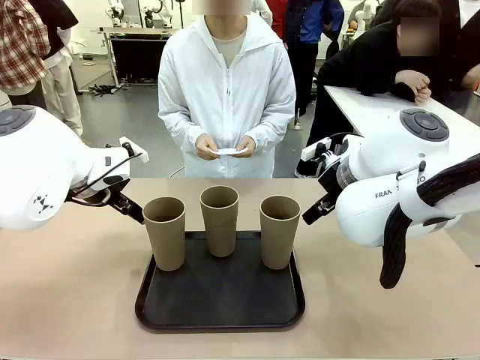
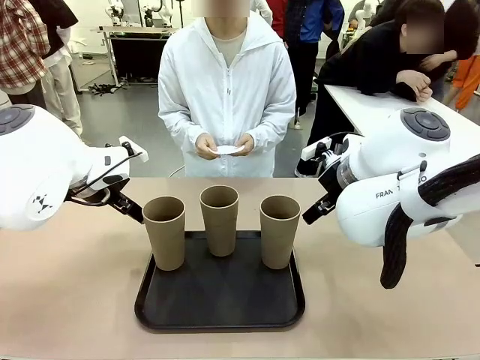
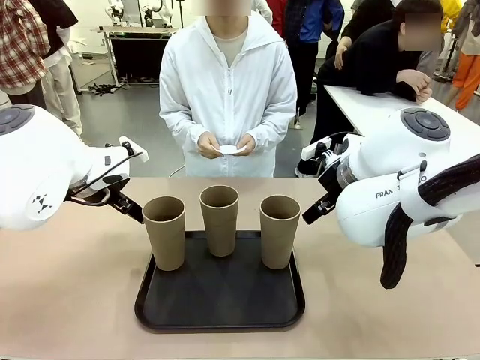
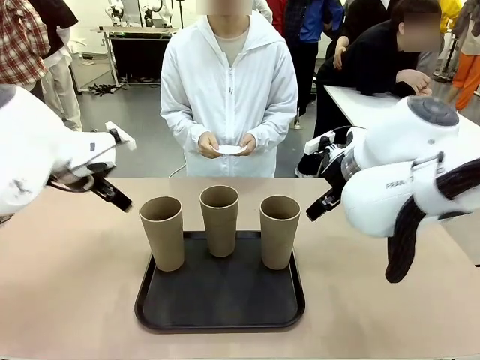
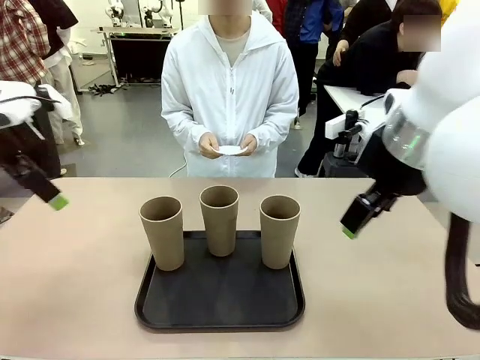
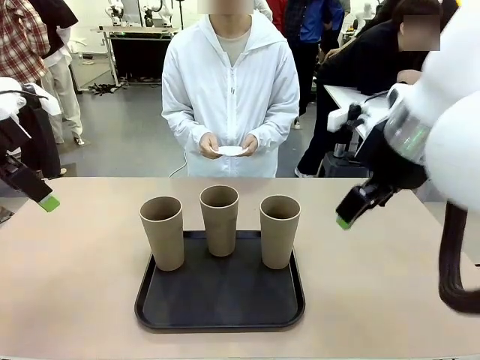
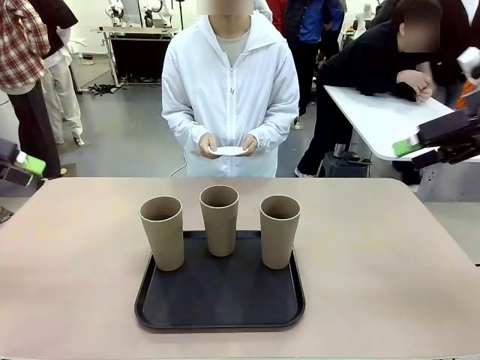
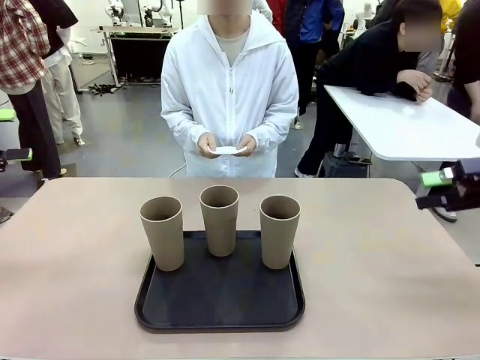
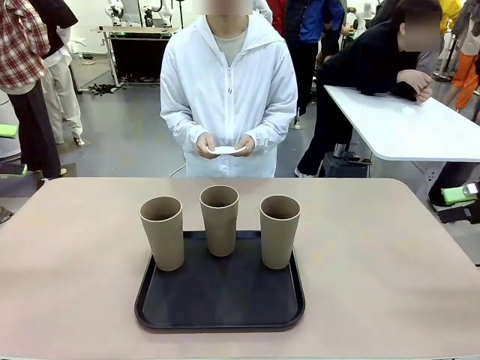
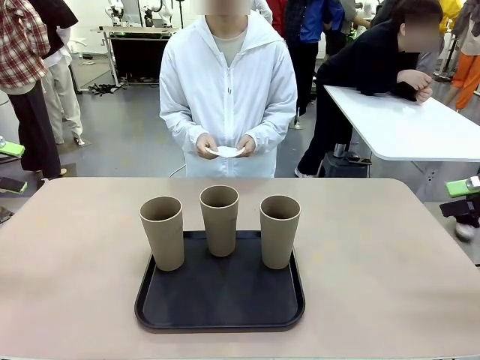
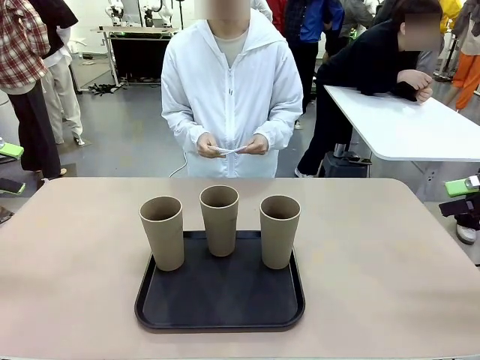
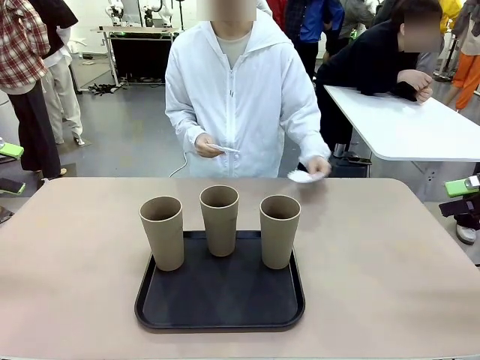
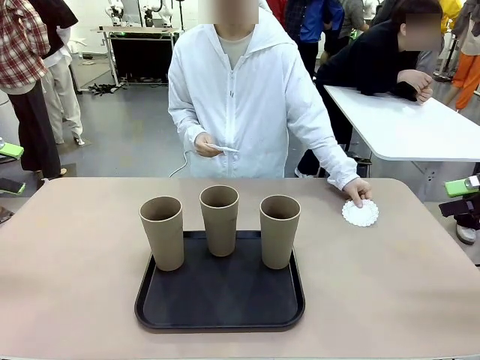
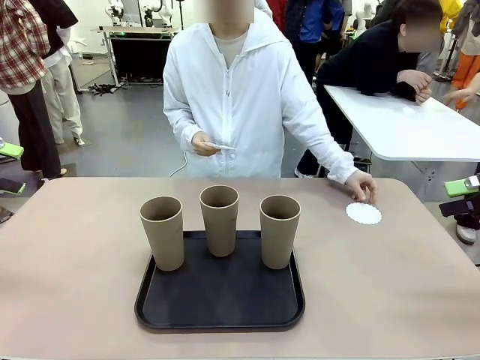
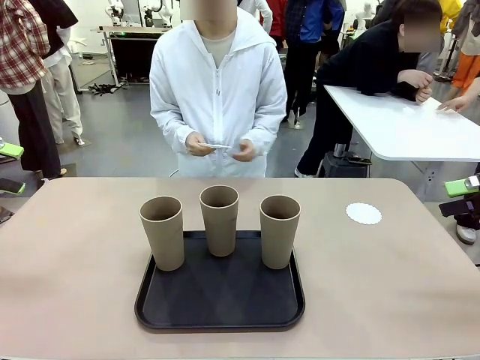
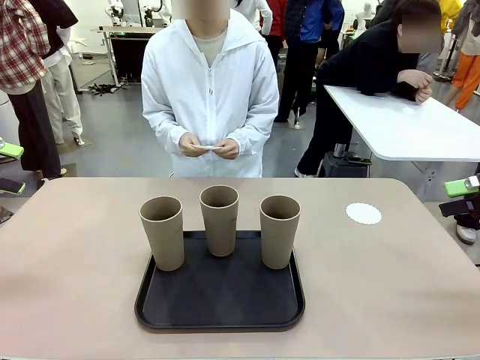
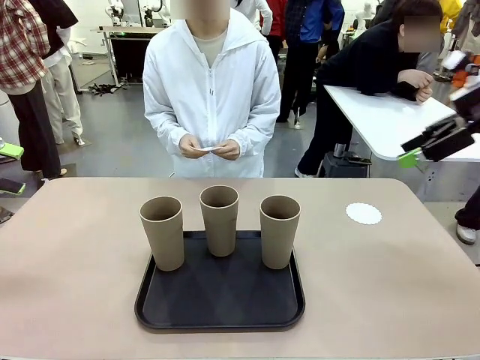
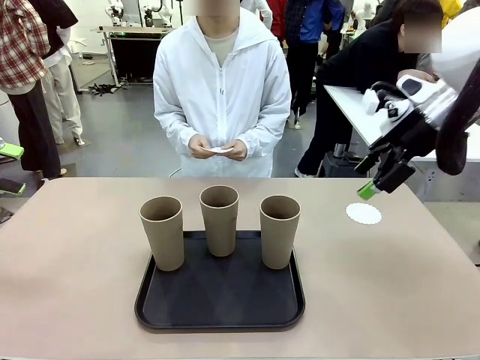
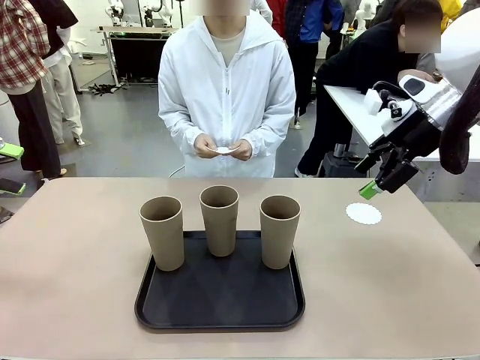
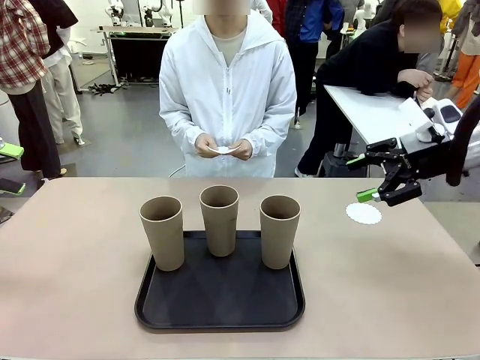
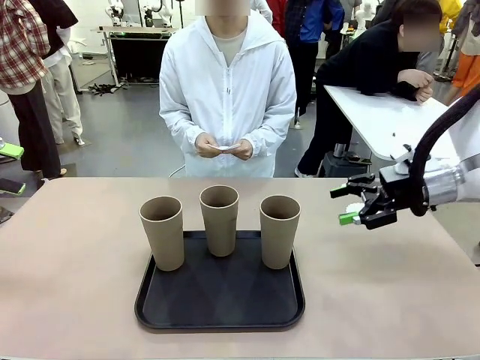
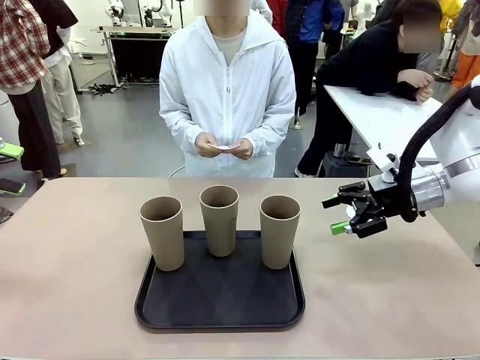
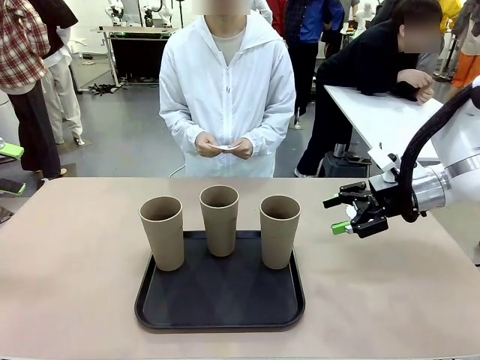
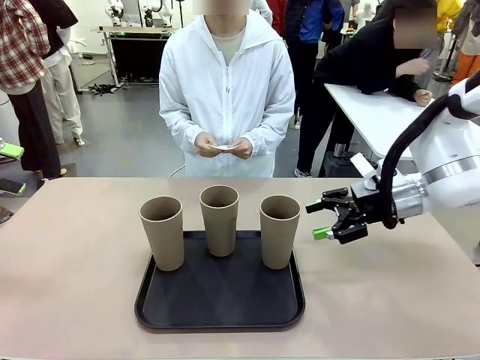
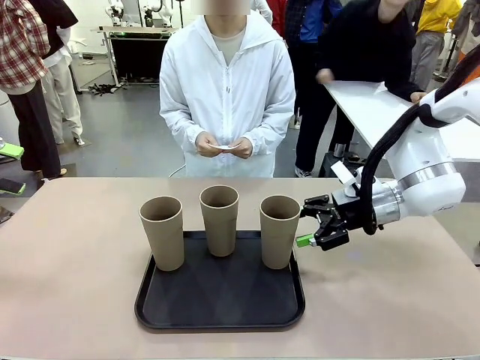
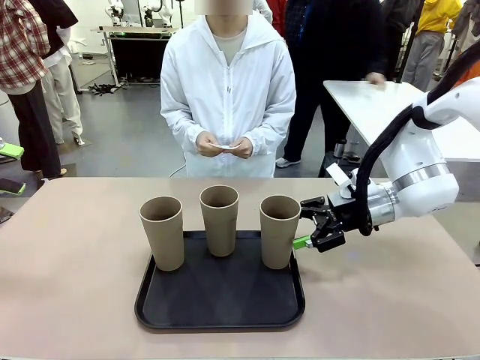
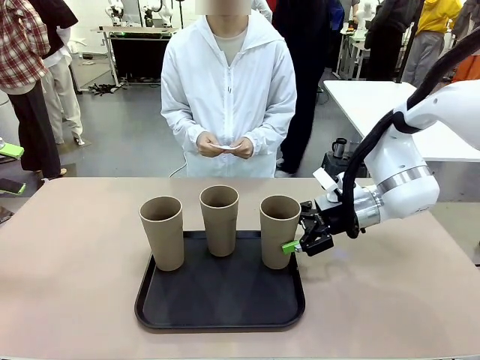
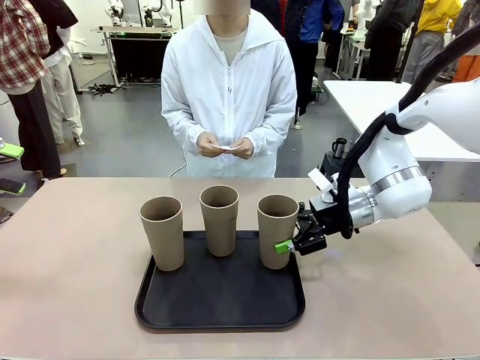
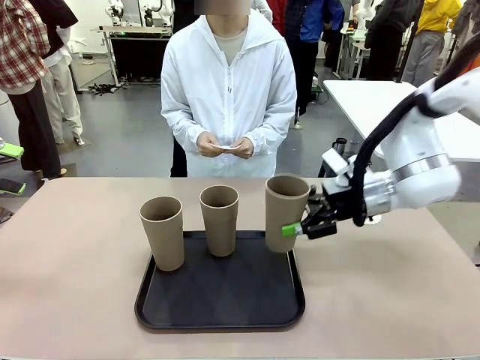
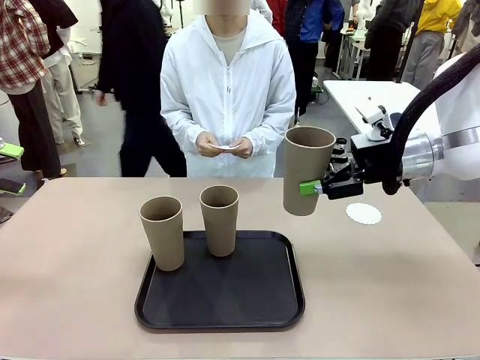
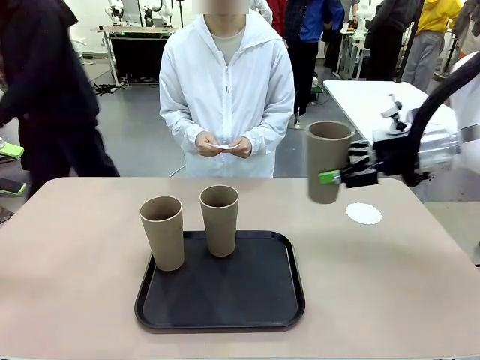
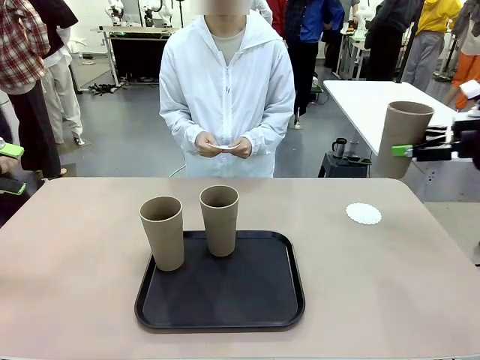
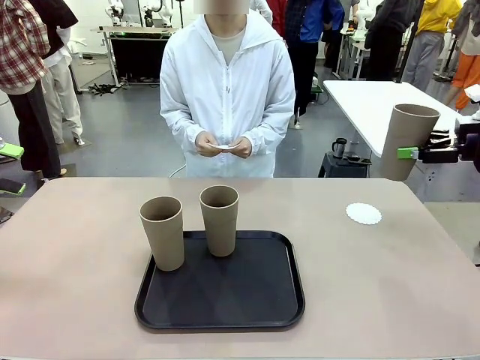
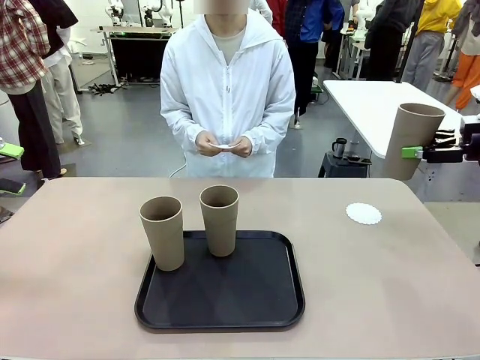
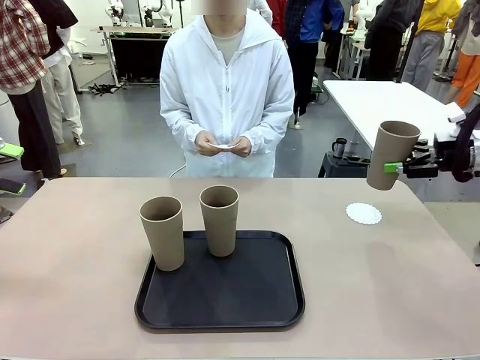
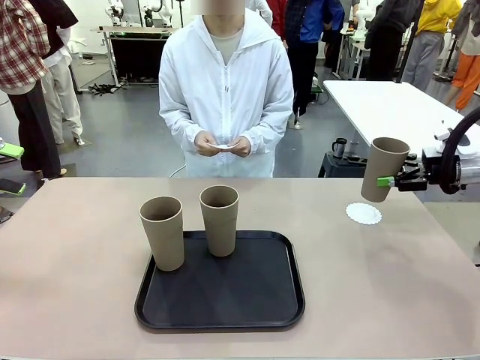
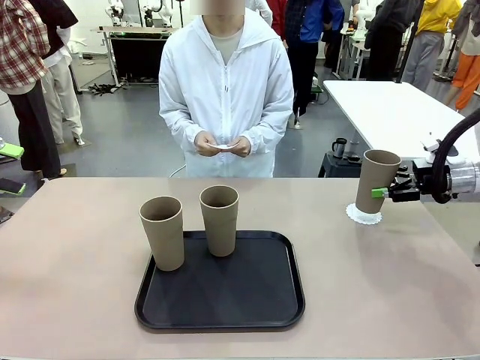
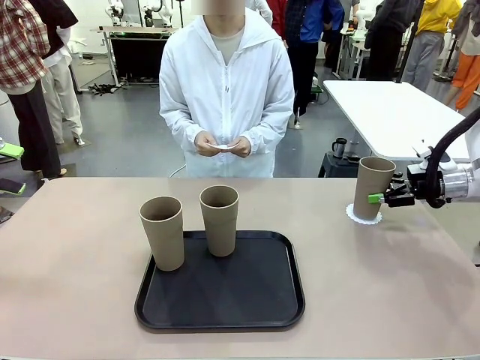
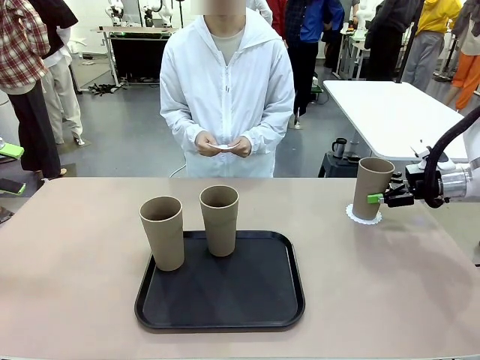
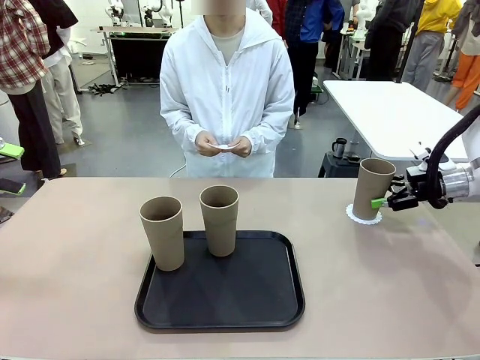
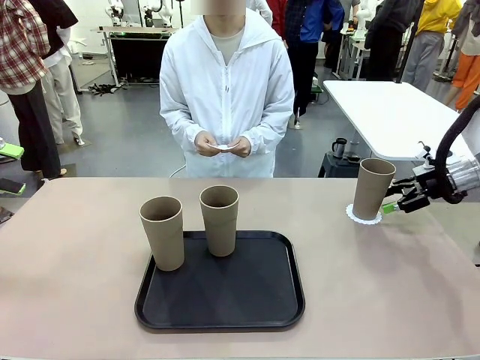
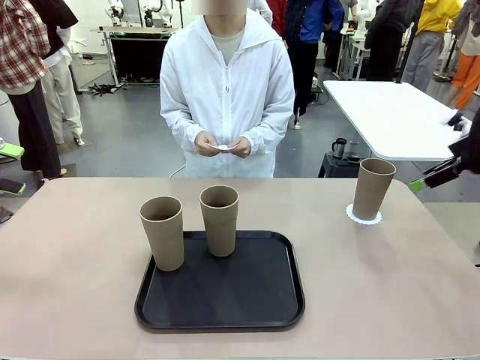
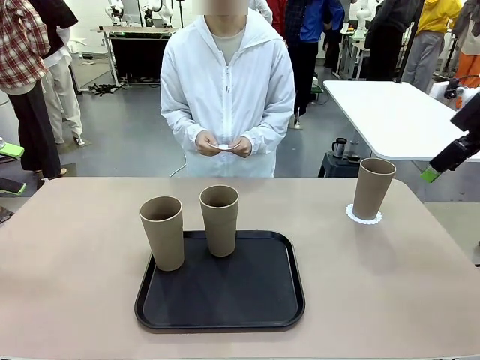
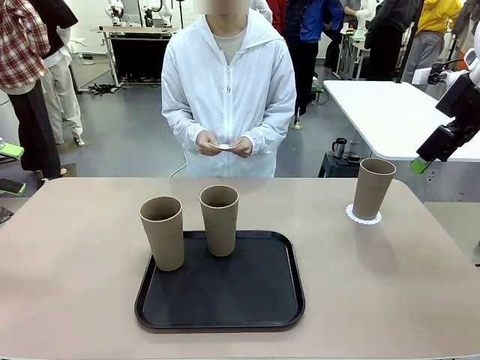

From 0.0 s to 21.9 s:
Task: Place coasters on the table and set cups on them.
Robot: Pick up one Reusable plastic cup and place it on a coaster set by the human.
Person: Place one coaster in any one of the three lower areas of the robot table (left, center, or right). Place one coaster in one of the two areas excluding the previously selected area.
